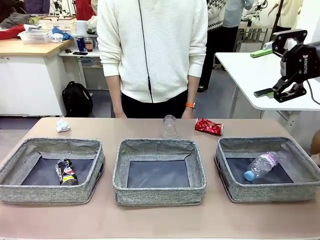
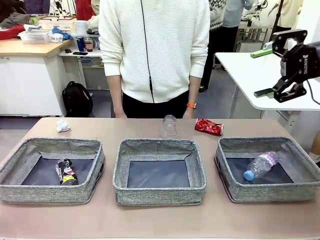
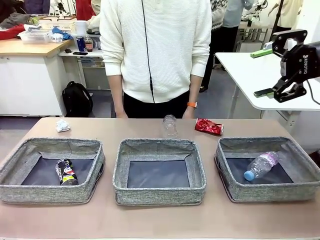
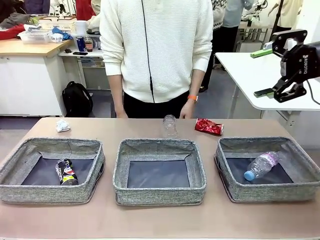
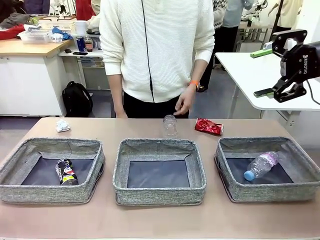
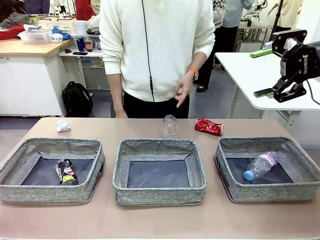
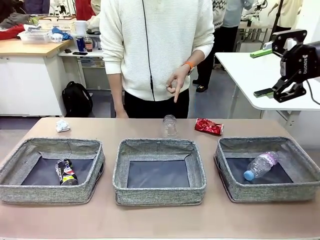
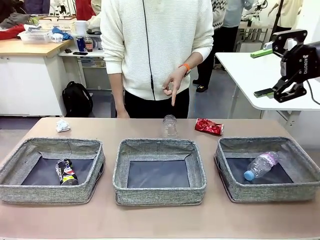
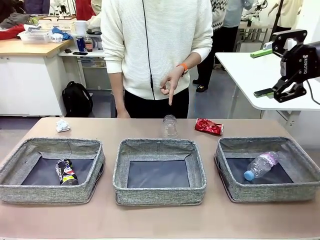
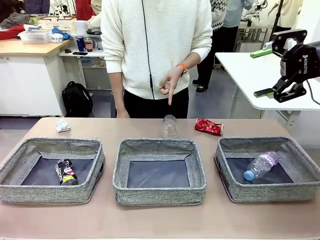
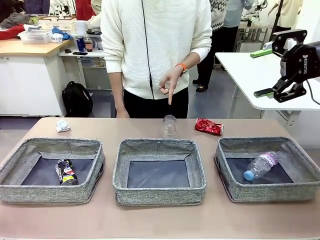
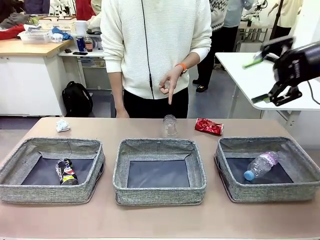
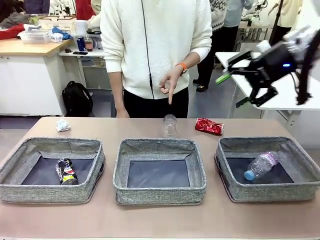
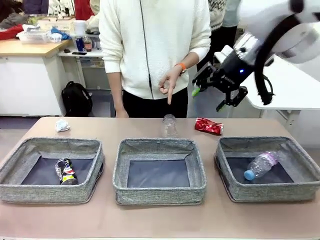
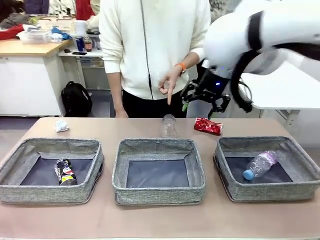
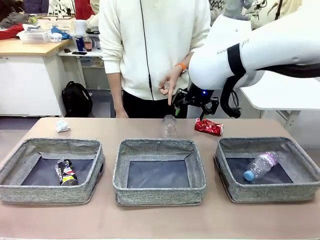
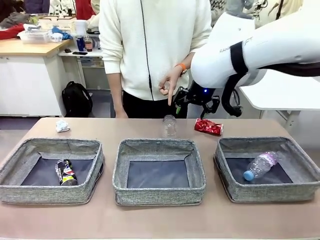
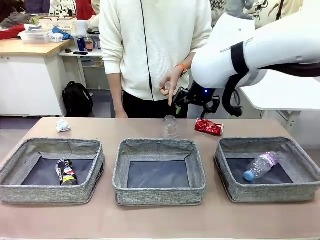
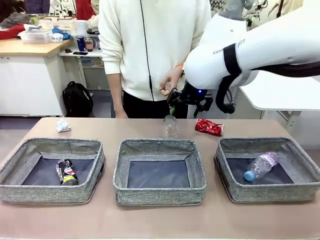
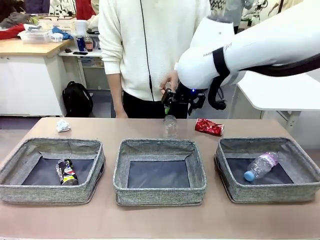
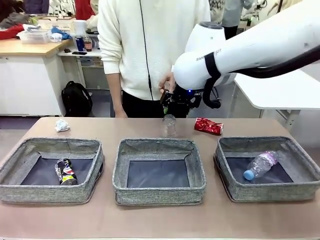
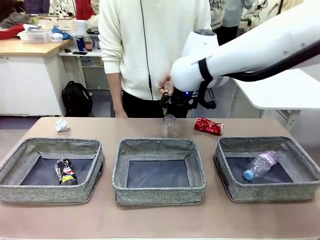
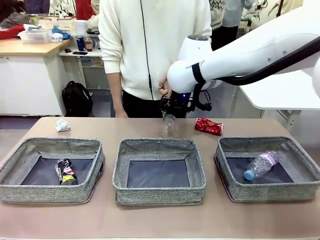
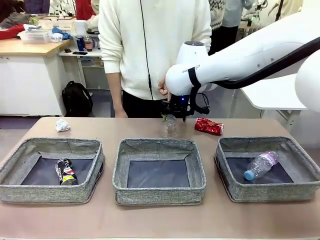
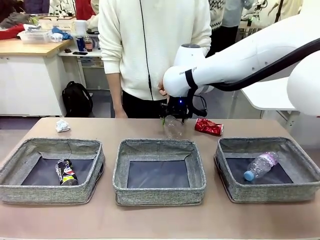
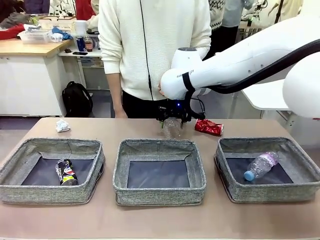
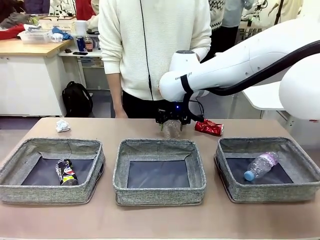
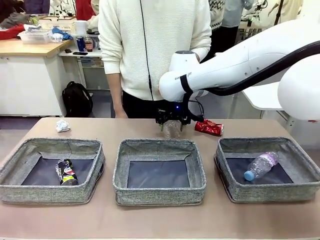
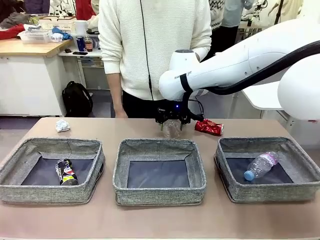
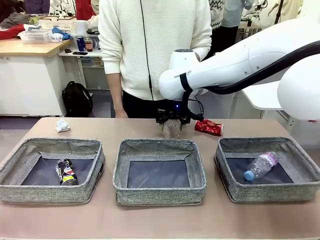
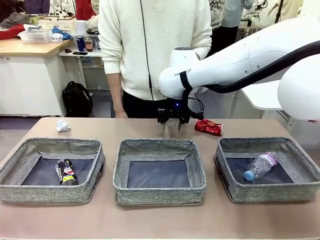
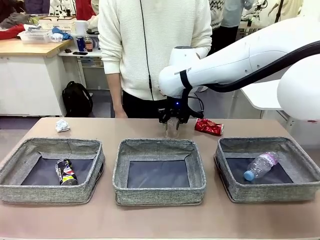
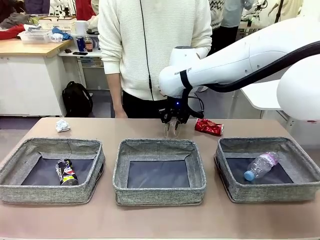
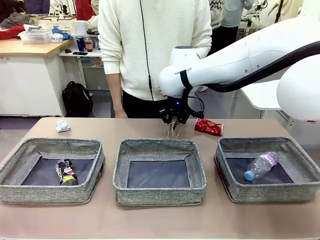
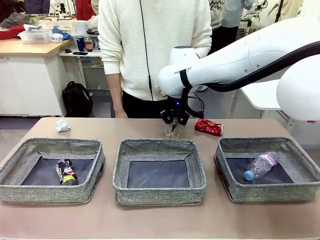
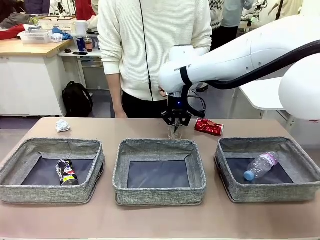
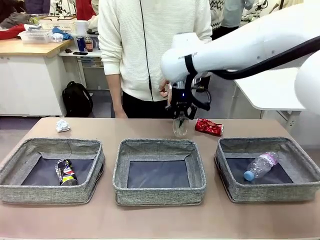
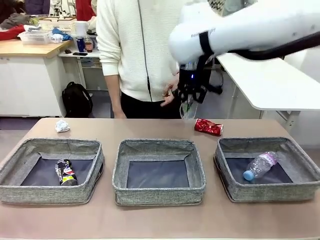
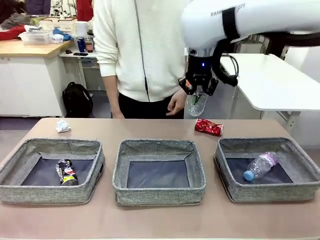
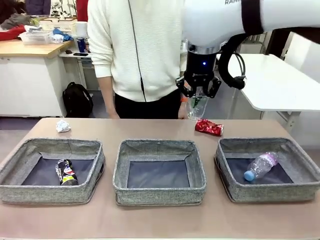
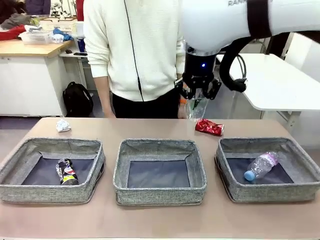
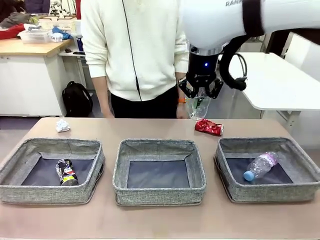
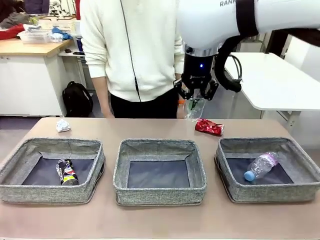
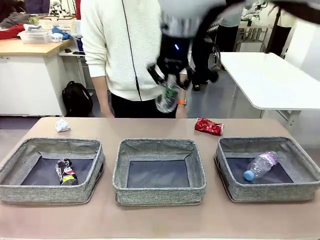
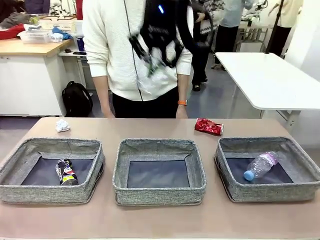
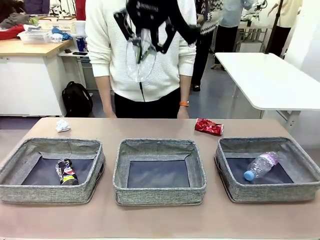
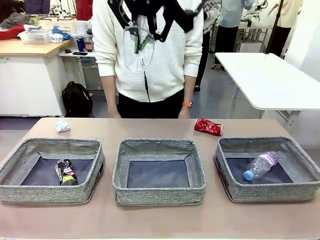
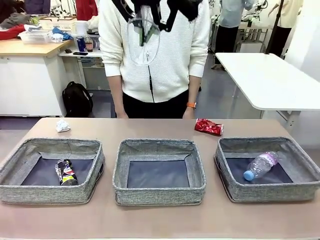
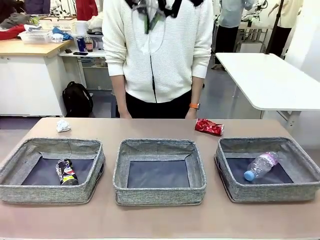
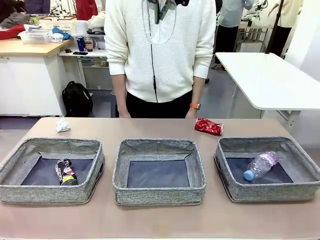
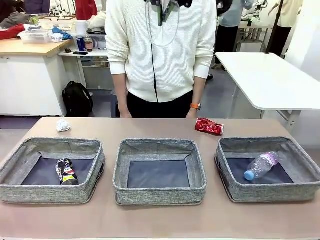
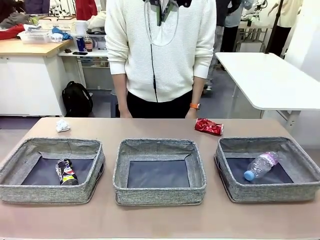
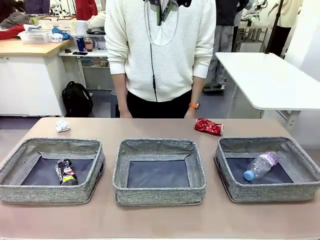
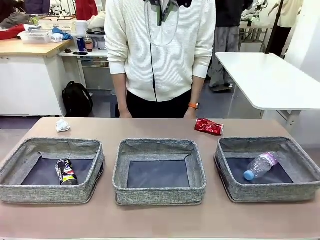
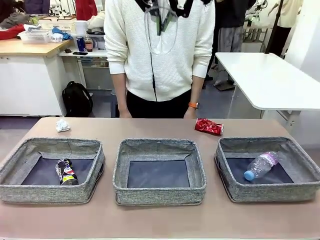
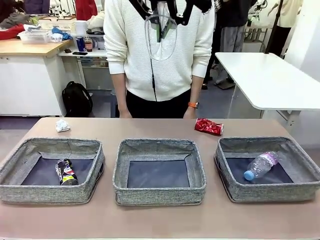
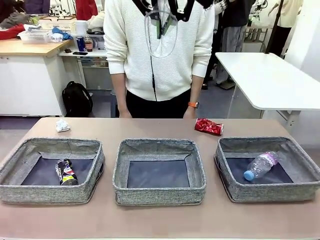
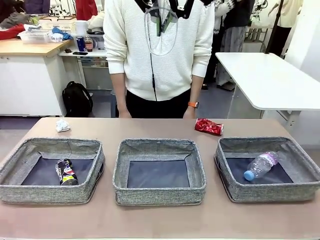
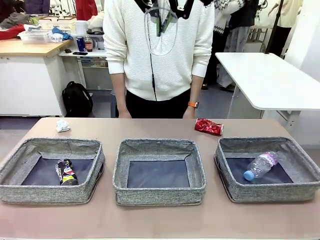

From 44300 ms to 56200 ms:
Task: Sort the waste into the appropriate baskets.
Robot: Pick up the waste item pointed out by the person.
Person: Points to one piece of trash on the table.

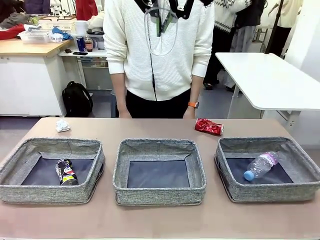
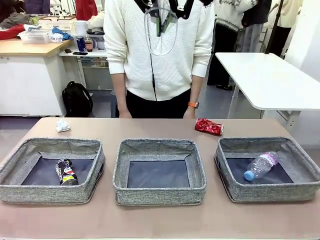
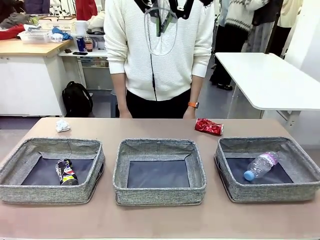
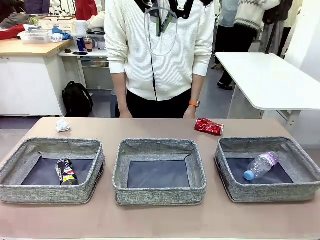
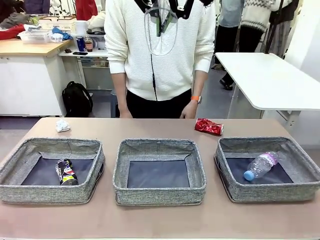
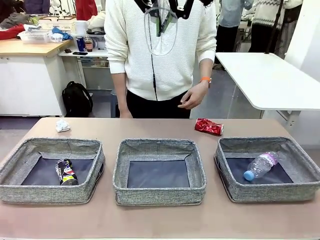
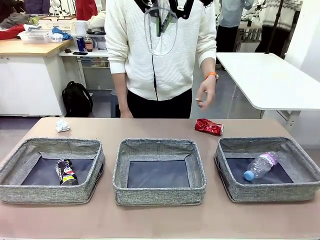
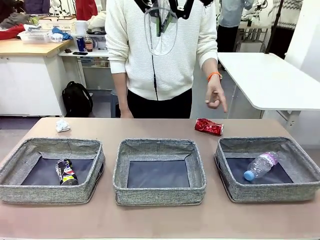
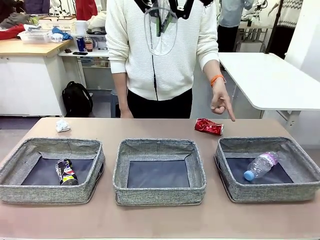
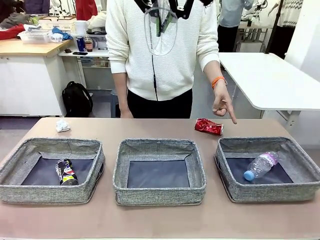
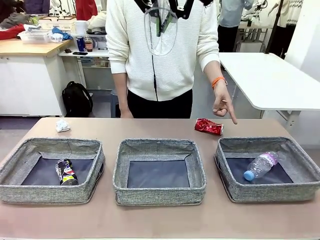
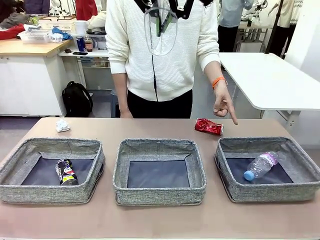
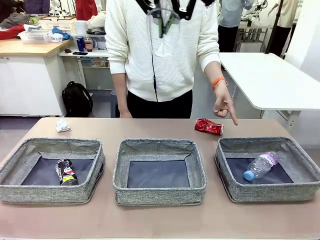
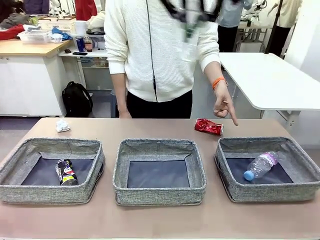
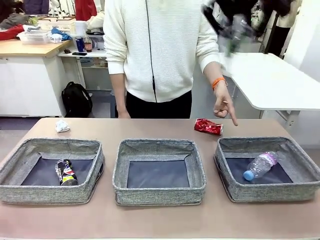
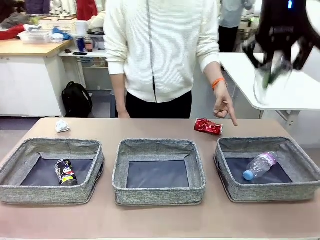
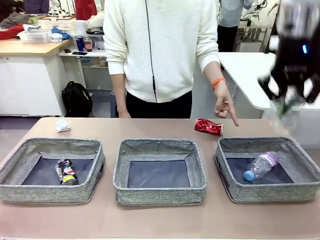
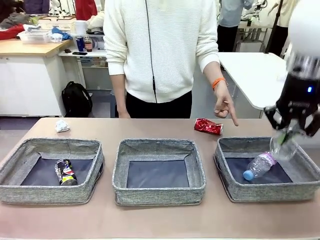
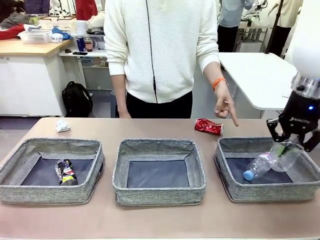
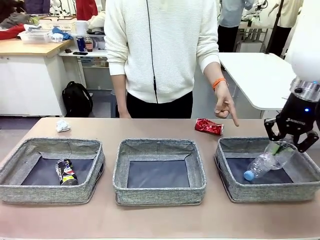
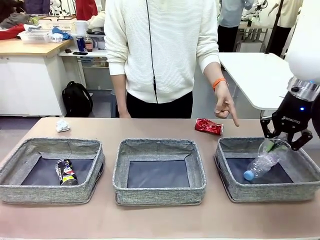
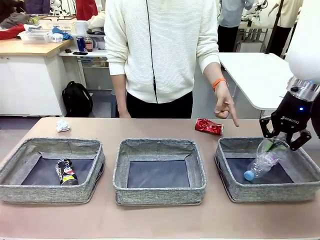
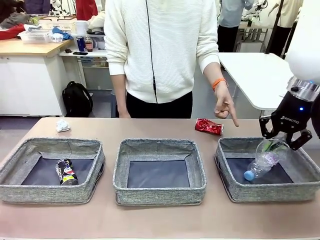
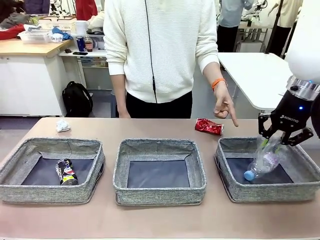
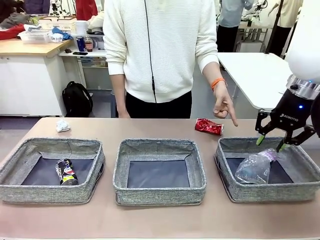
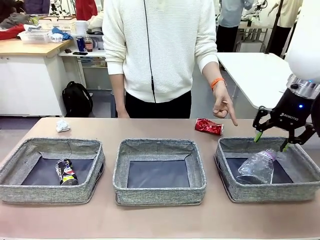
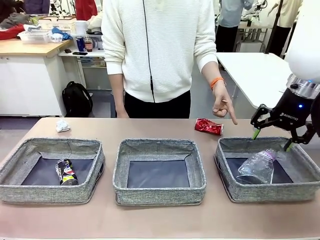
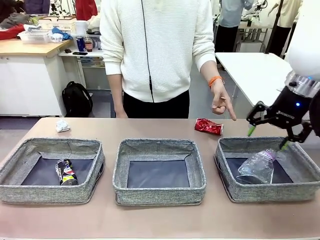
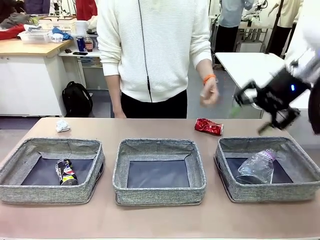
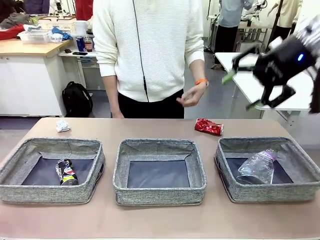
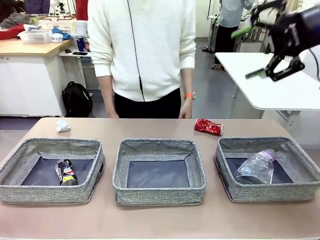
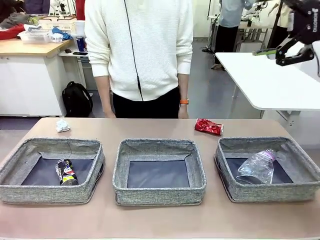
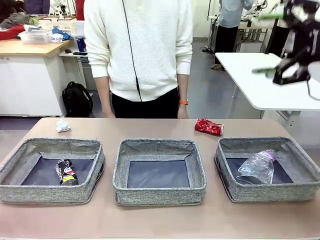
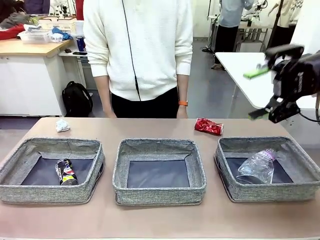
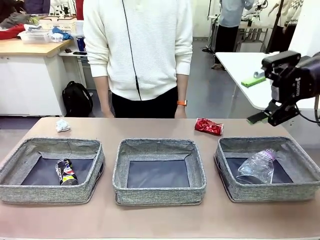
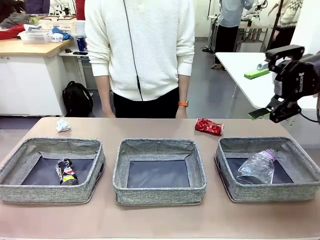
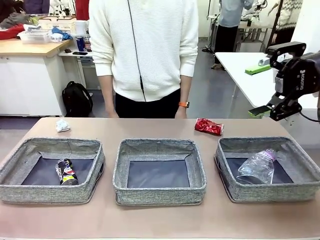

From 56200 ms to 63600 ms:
Robot: Place the picked waste into the Fabric basket indicated by the person.
Person: Instructs the robot to place the picked-up trash into the appropriate organizing basket.
